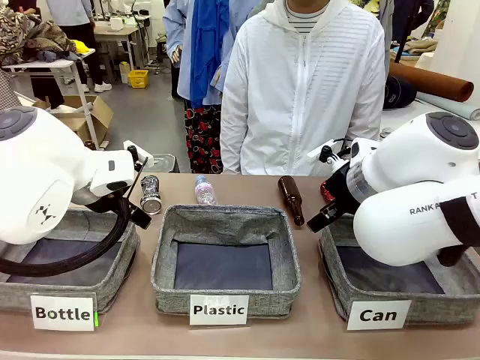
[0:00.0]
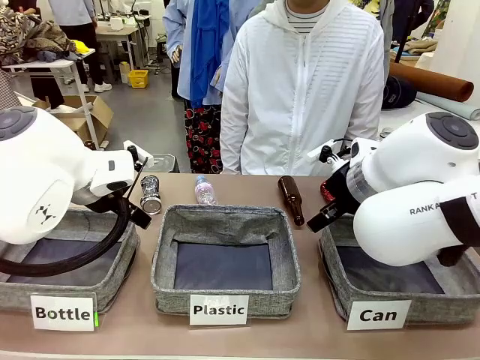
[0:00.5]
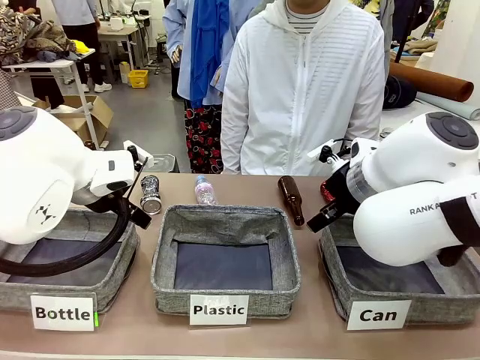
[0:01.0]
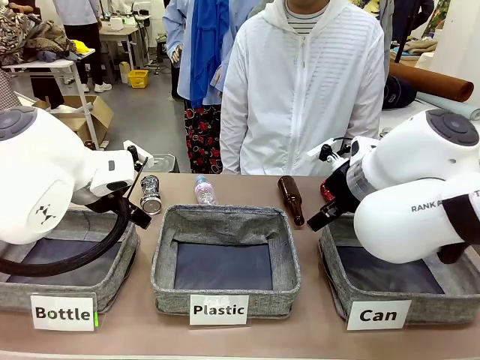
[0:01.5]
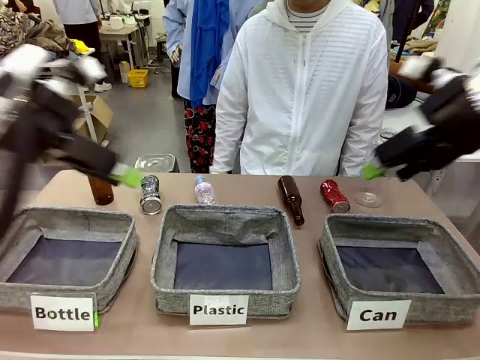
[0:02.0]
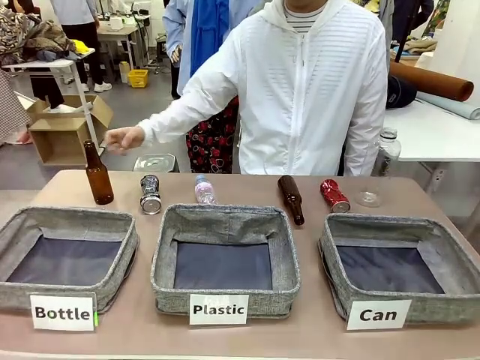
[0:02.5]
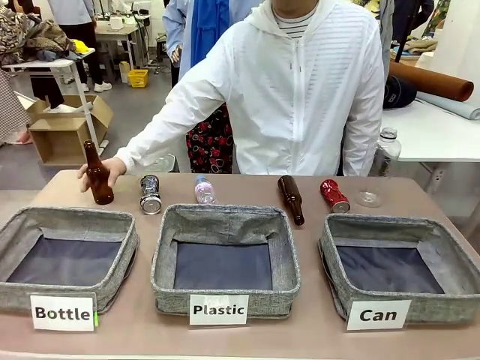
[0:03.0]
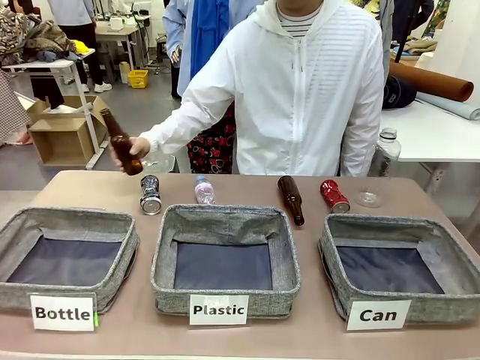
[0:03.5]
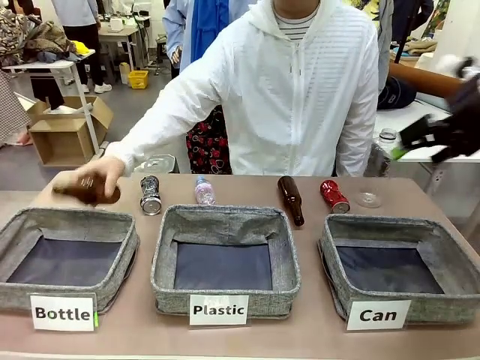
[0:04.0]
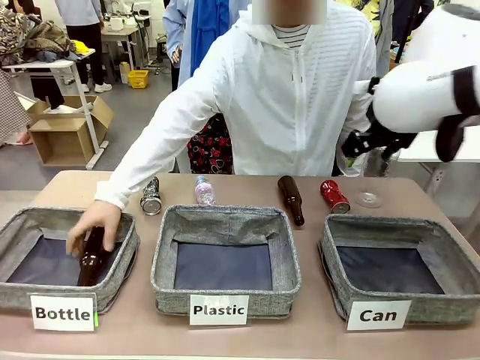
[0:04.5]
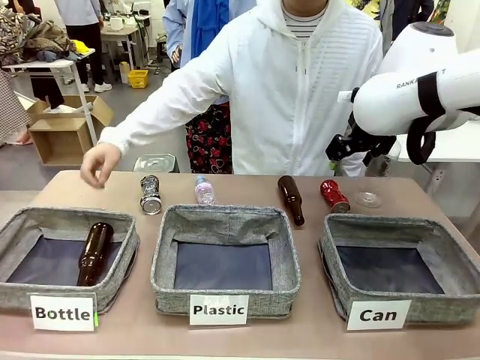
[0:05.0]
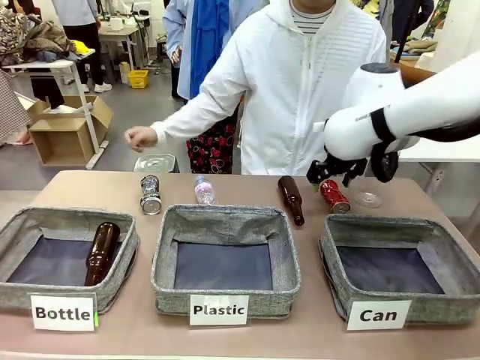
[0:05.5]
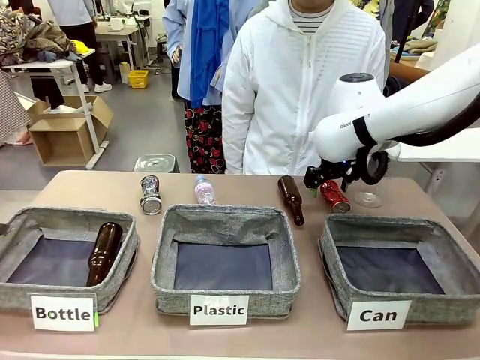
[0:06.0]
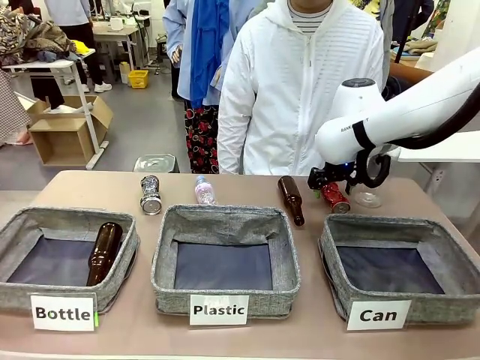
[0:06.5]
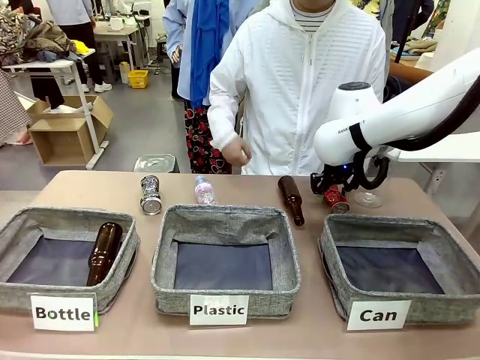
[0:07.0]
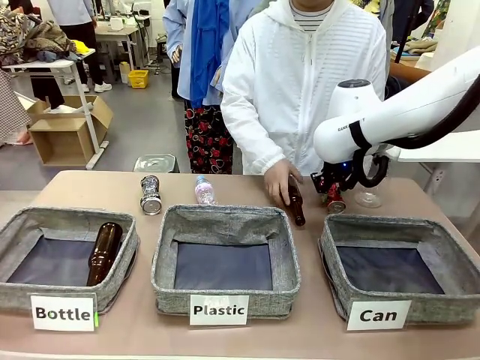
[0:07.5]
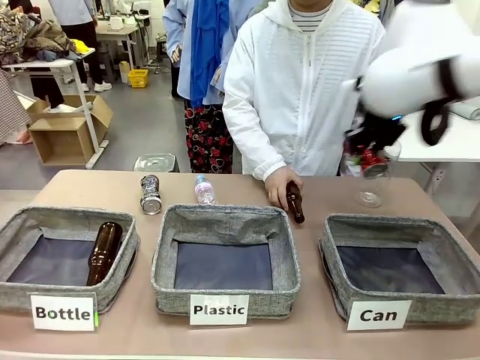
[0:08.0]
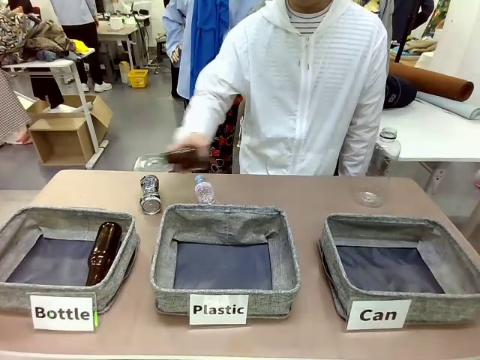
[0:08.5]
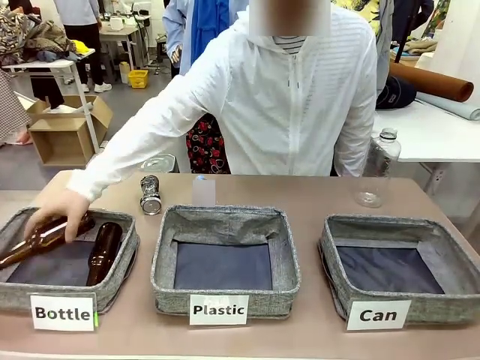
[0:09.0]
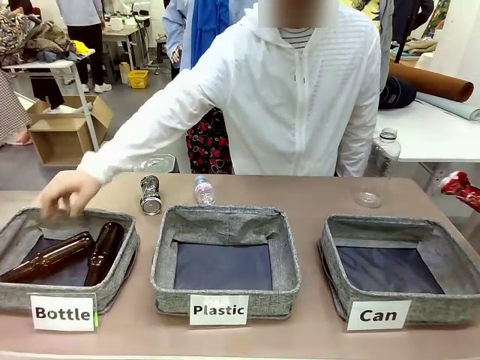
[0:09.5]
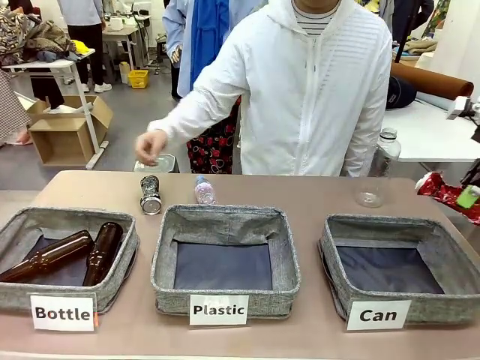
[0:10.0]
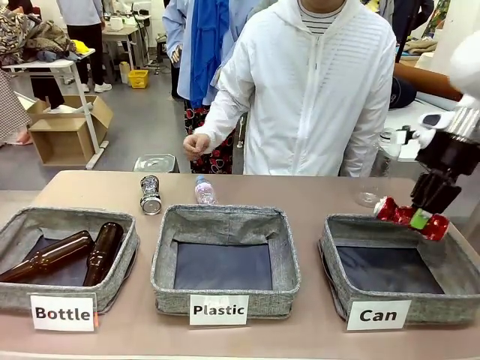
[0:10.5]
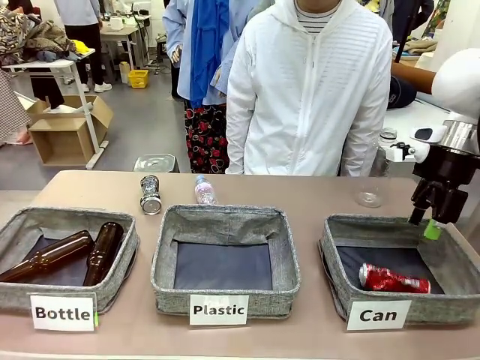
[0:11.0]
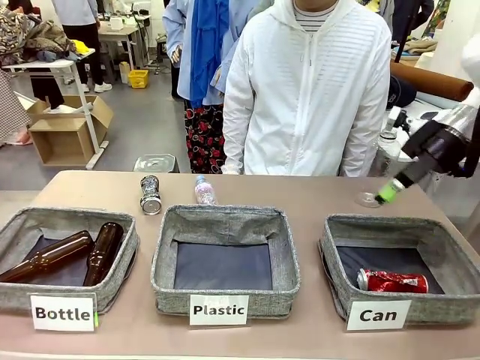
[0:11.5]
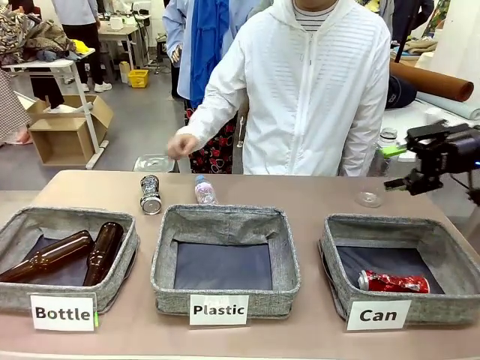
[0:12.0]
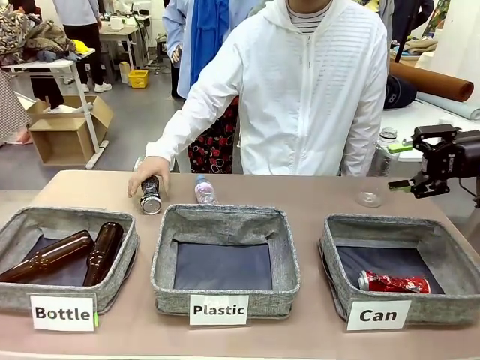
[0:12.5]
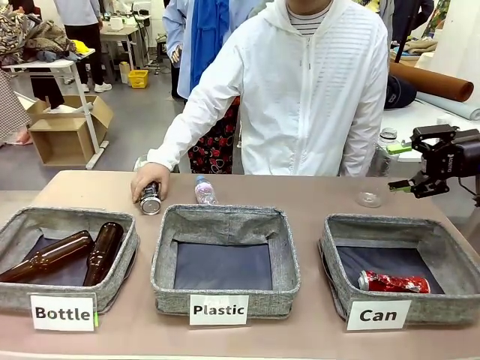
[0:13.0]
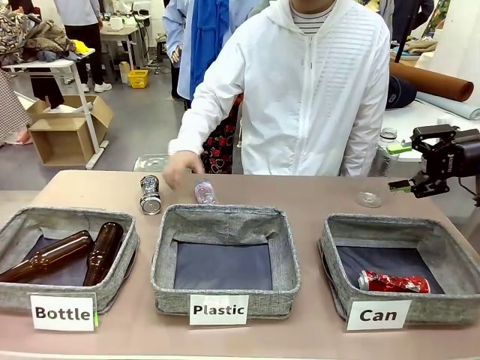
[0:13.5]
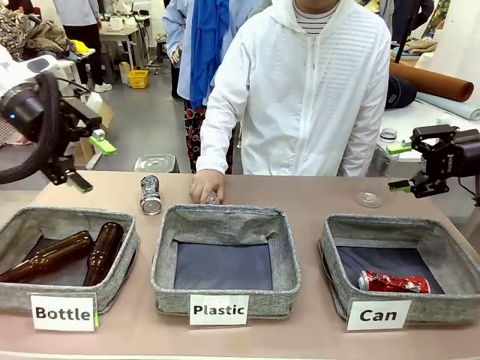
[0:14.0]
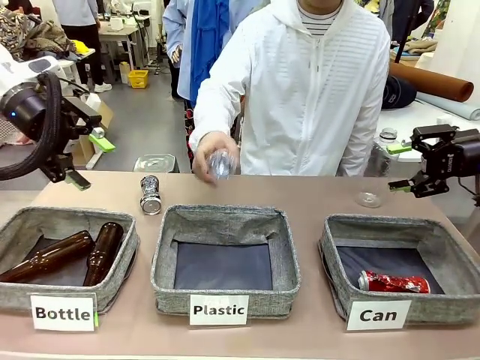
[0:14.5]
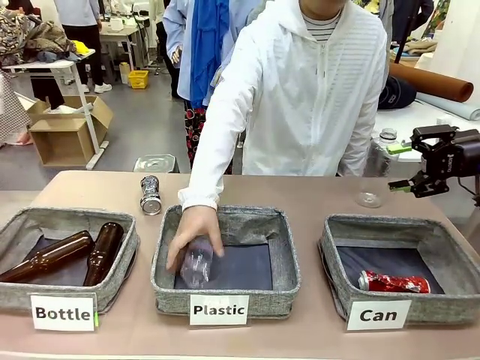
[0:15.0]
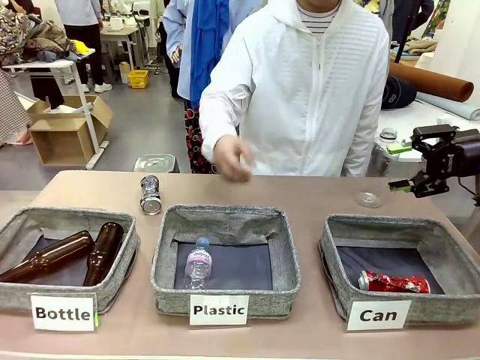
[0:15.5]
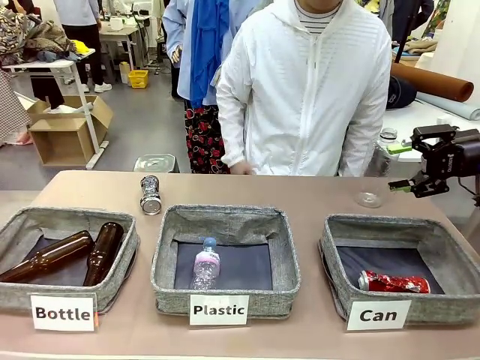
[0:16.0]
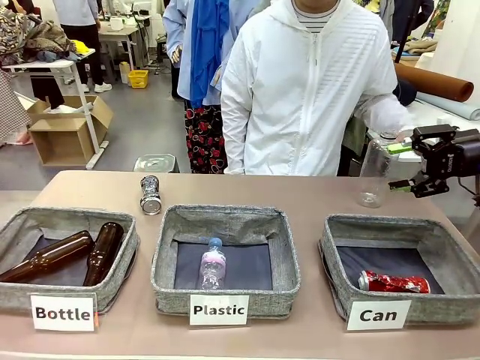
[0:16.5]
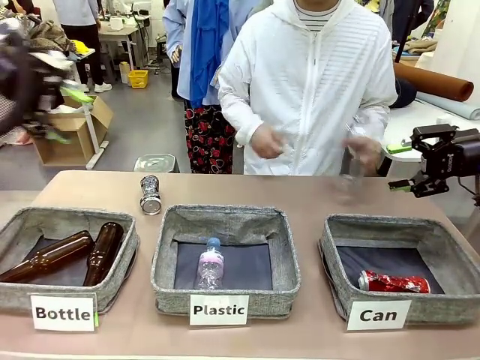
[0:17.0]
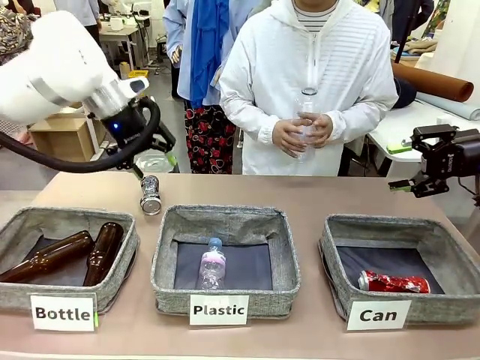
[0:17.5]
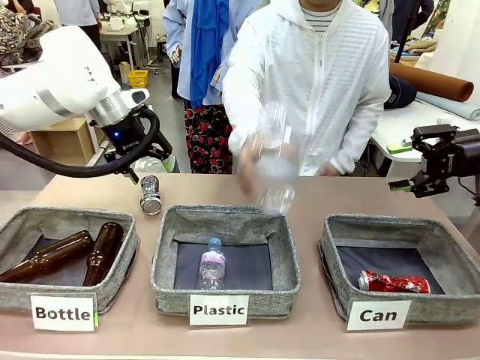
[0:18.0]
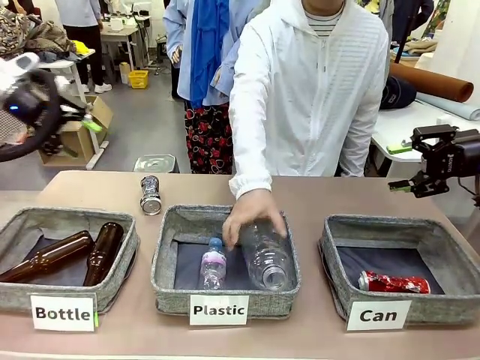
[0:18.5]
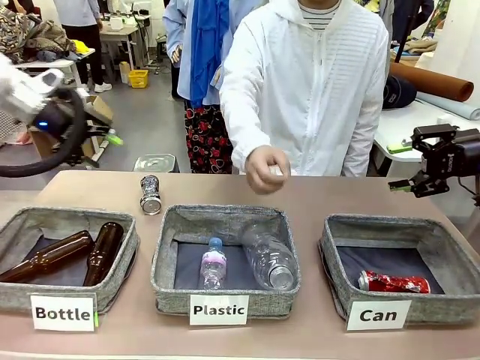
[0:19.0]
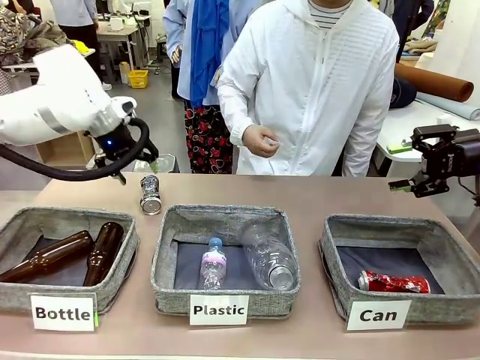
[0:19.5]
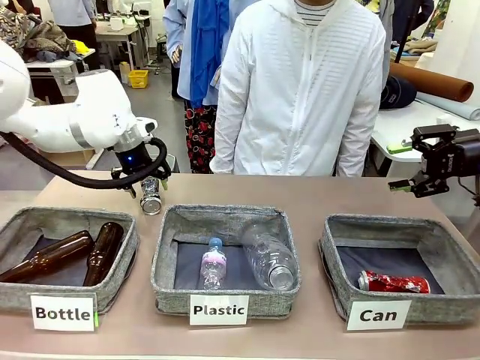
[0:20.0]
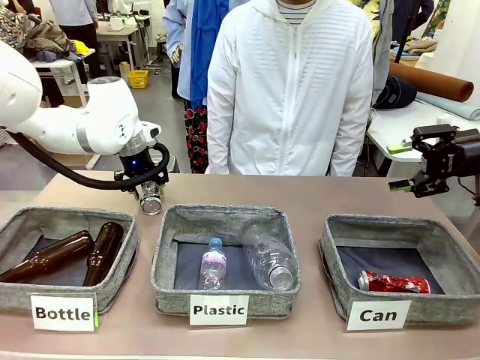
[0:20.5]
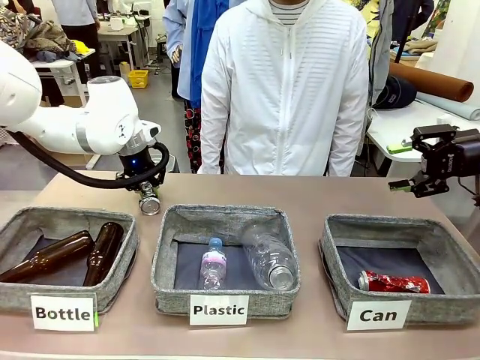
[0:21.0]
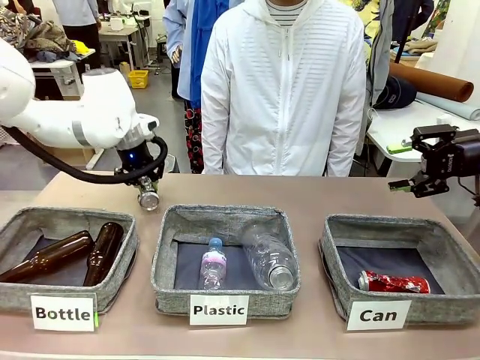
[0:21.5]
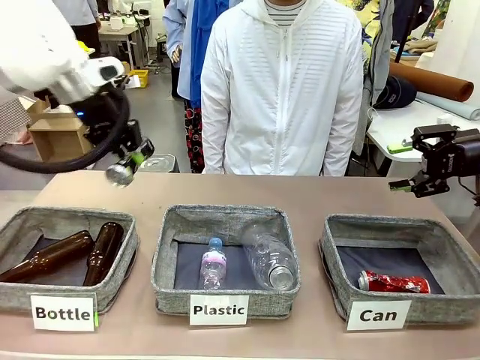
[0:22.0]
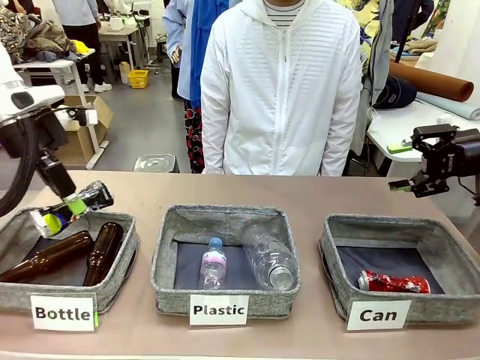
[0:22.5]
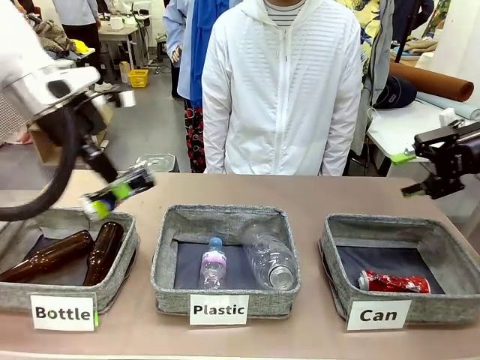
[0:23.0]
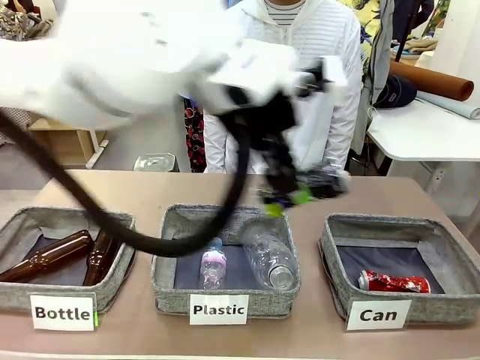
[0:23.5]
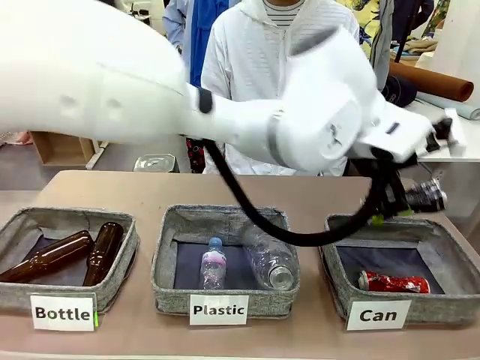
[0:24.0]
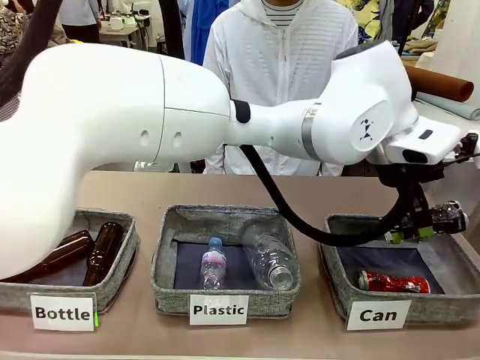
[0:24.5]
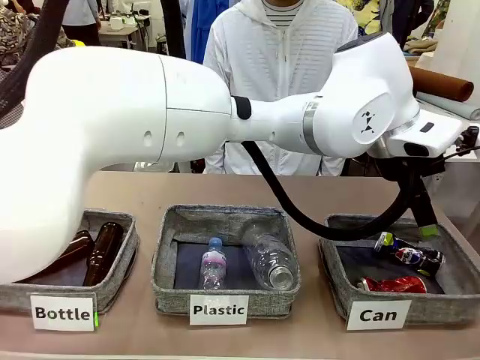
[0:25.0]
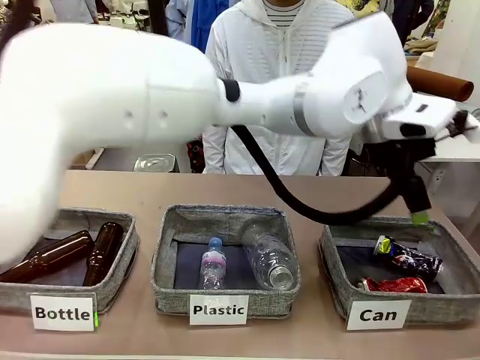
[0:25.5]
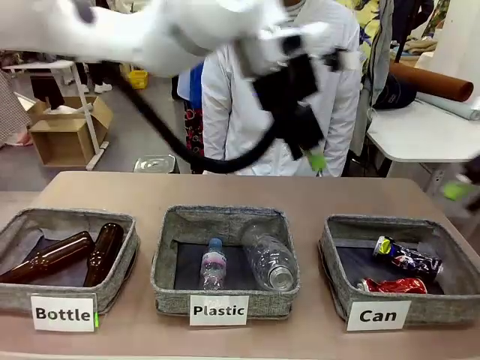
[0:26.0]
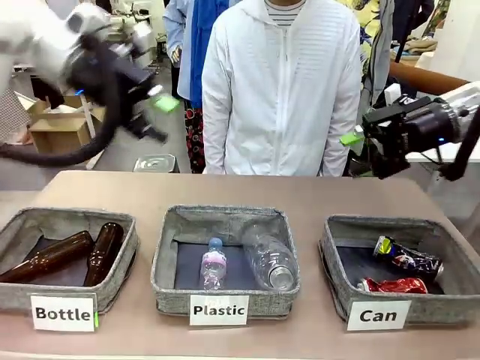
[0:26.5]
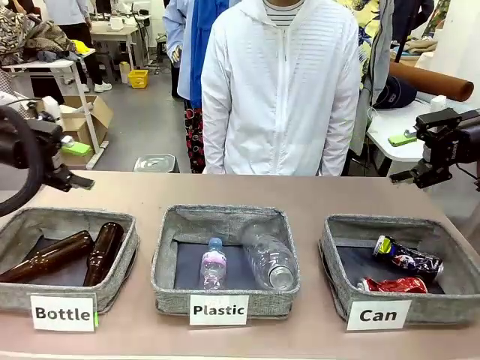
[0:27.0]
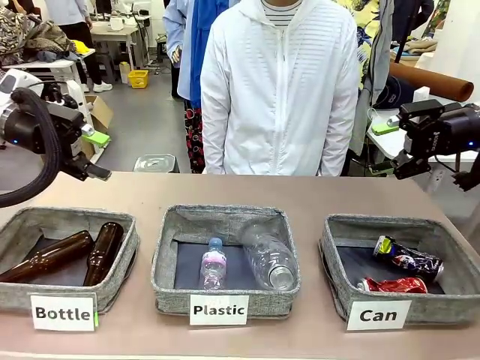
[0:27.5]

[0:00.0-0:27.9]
Task: Sort the can waste into the basket.
Robot: Pick up the can waste from the table and place it in the right Fabric basket.
Person: The human picks up one piece of trash that is not a can and places the trash into the appropriate organizing basket.
